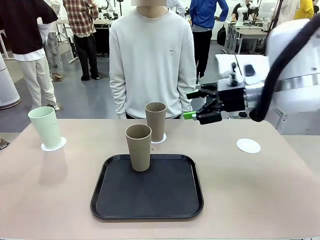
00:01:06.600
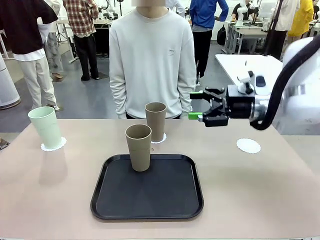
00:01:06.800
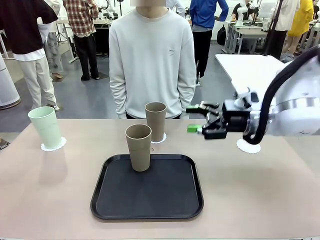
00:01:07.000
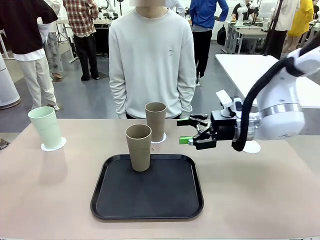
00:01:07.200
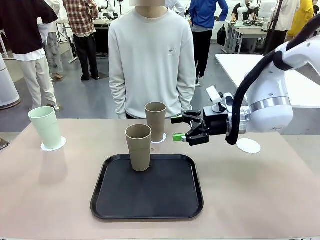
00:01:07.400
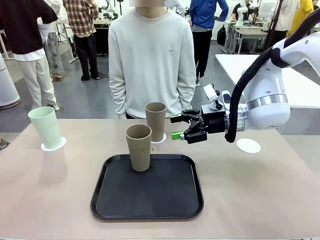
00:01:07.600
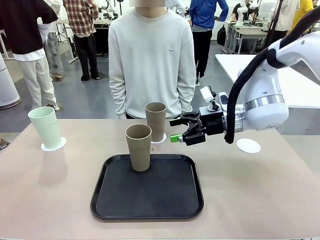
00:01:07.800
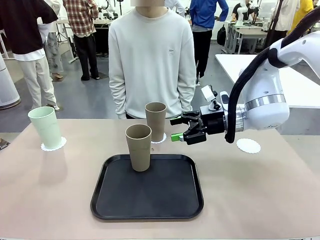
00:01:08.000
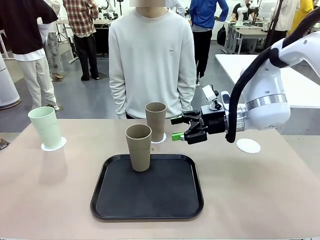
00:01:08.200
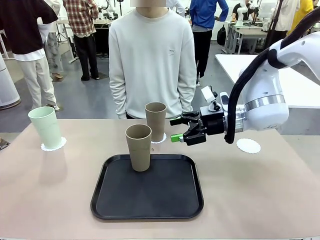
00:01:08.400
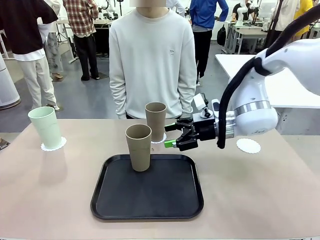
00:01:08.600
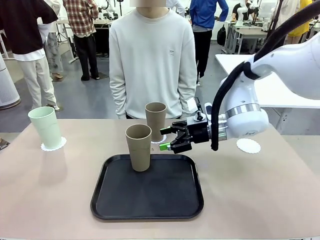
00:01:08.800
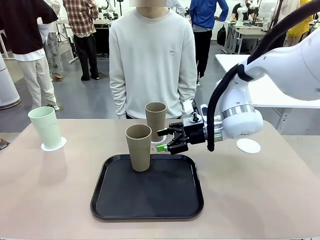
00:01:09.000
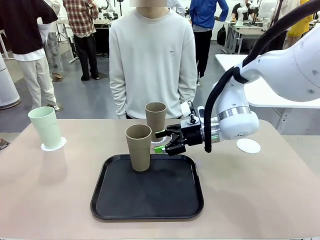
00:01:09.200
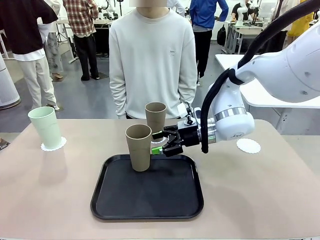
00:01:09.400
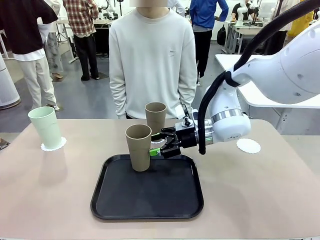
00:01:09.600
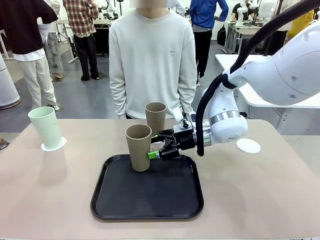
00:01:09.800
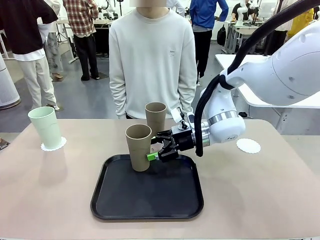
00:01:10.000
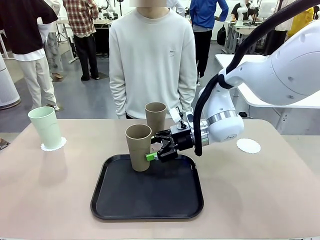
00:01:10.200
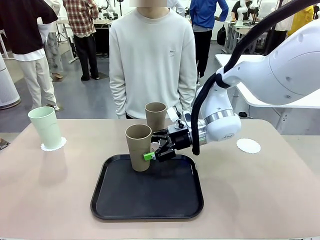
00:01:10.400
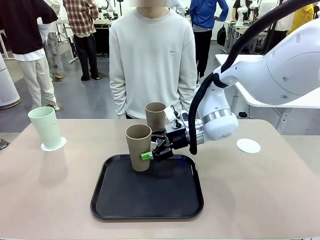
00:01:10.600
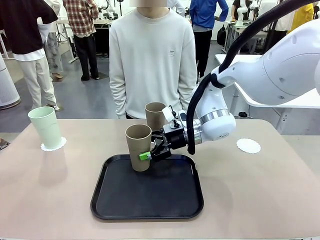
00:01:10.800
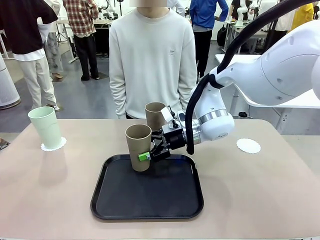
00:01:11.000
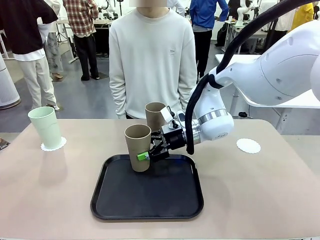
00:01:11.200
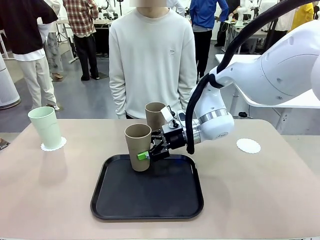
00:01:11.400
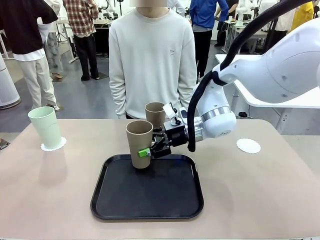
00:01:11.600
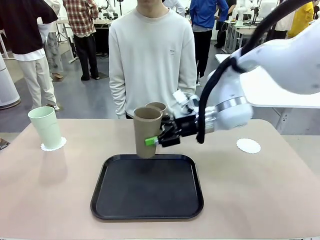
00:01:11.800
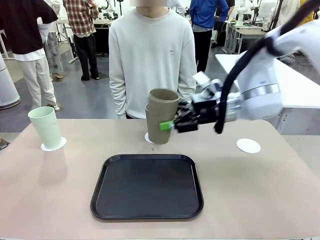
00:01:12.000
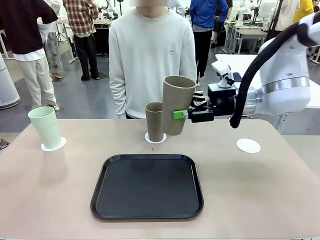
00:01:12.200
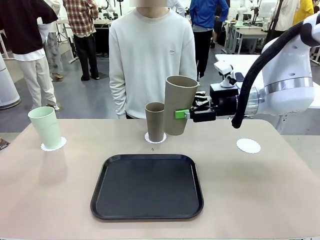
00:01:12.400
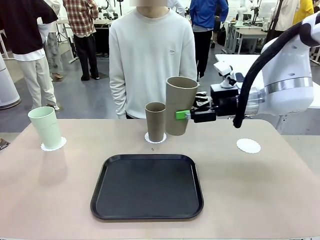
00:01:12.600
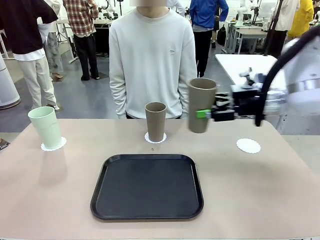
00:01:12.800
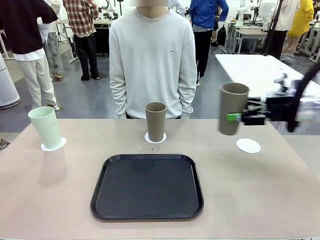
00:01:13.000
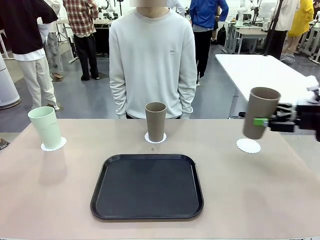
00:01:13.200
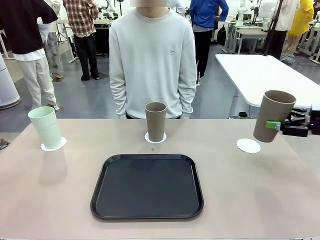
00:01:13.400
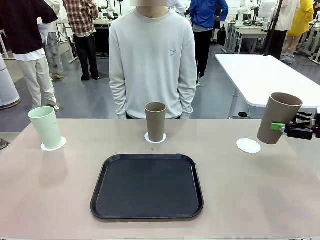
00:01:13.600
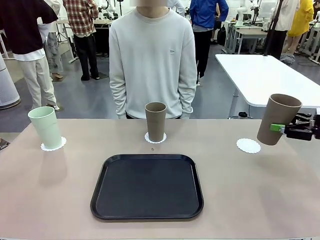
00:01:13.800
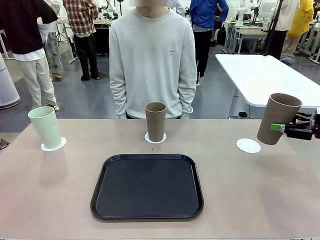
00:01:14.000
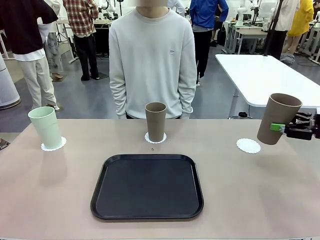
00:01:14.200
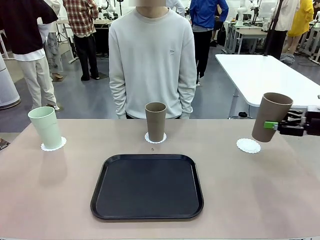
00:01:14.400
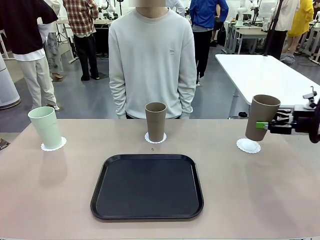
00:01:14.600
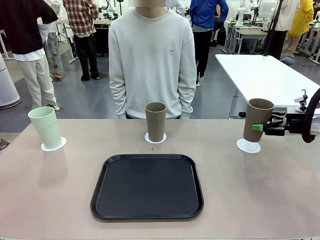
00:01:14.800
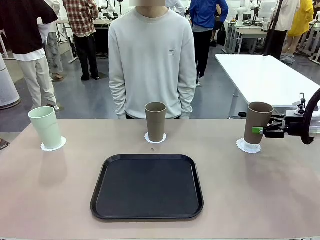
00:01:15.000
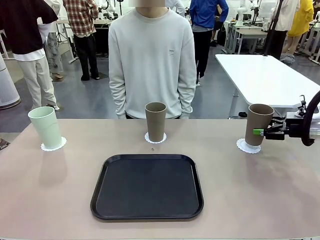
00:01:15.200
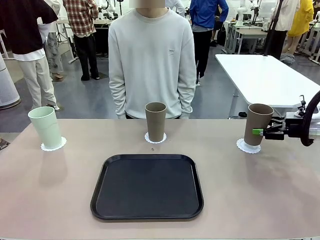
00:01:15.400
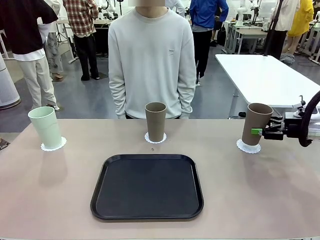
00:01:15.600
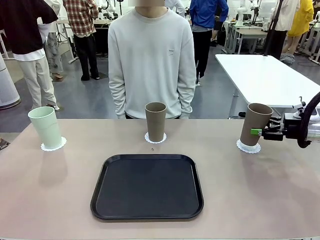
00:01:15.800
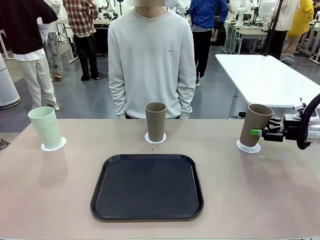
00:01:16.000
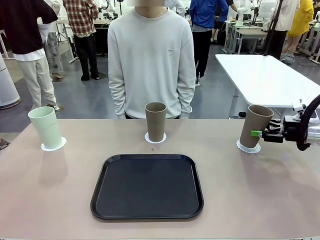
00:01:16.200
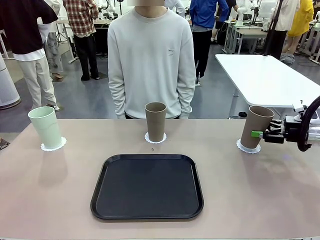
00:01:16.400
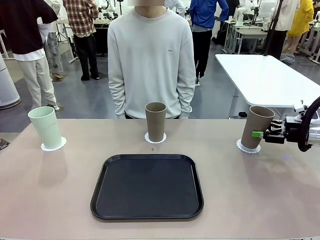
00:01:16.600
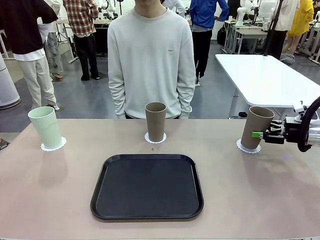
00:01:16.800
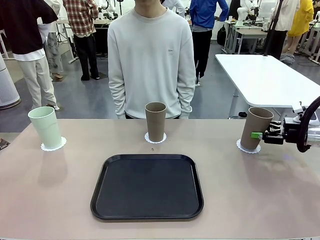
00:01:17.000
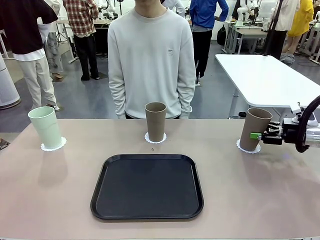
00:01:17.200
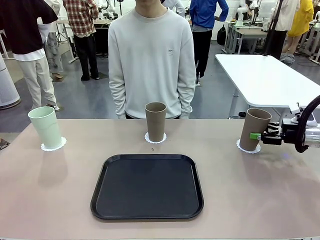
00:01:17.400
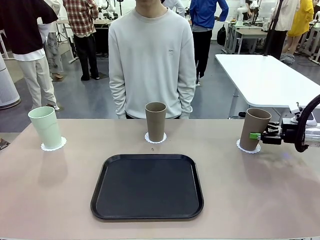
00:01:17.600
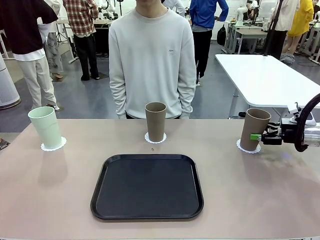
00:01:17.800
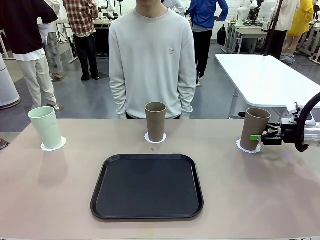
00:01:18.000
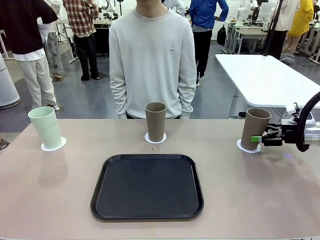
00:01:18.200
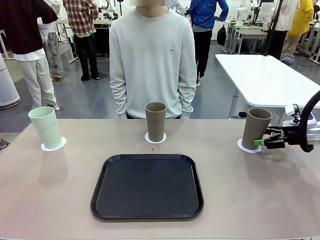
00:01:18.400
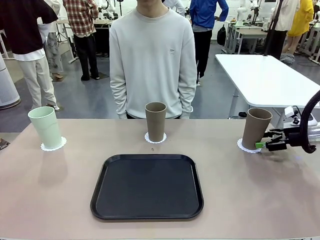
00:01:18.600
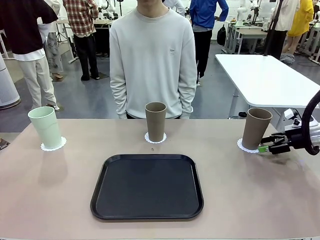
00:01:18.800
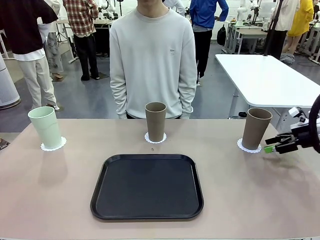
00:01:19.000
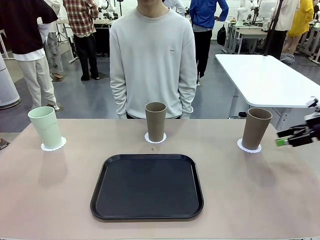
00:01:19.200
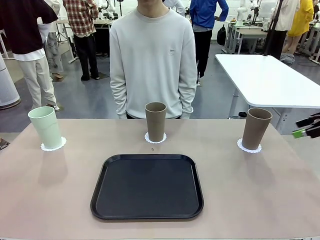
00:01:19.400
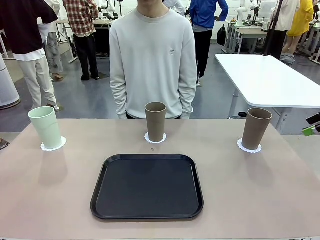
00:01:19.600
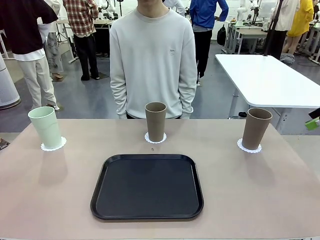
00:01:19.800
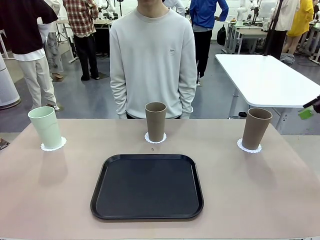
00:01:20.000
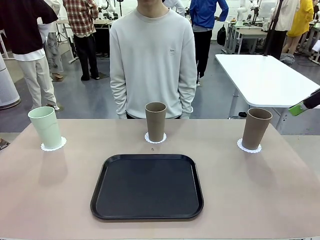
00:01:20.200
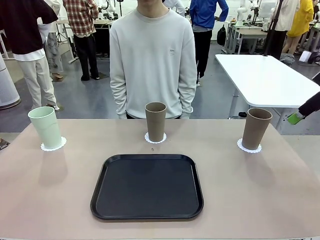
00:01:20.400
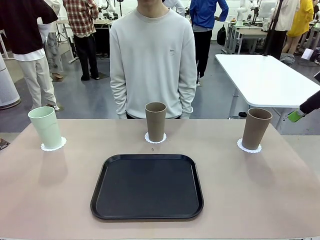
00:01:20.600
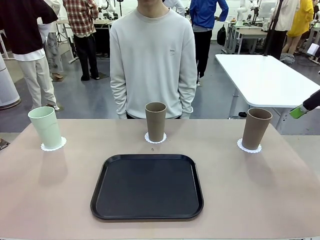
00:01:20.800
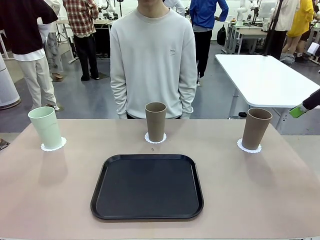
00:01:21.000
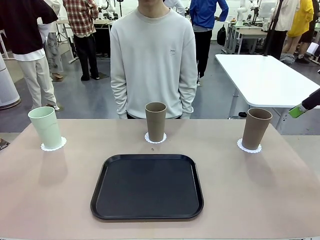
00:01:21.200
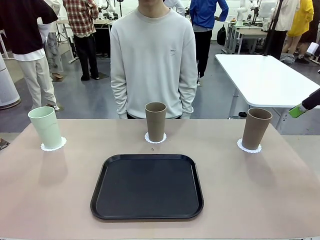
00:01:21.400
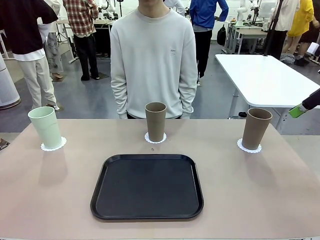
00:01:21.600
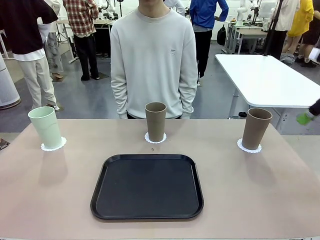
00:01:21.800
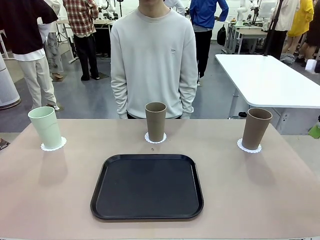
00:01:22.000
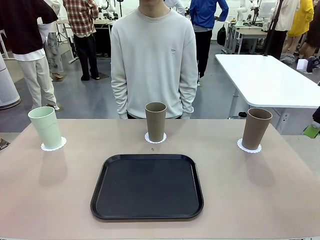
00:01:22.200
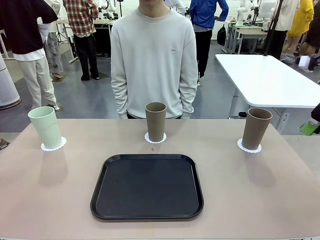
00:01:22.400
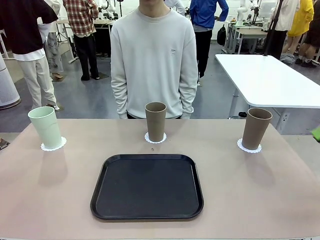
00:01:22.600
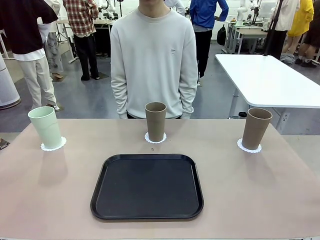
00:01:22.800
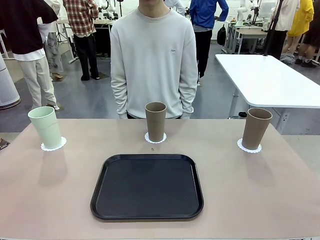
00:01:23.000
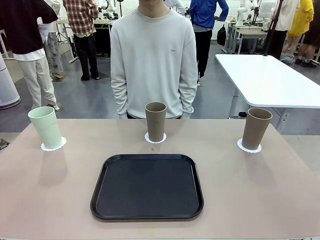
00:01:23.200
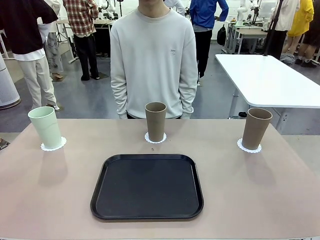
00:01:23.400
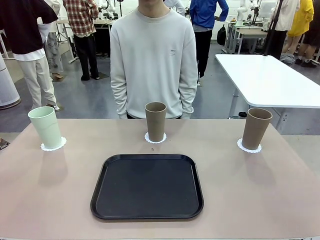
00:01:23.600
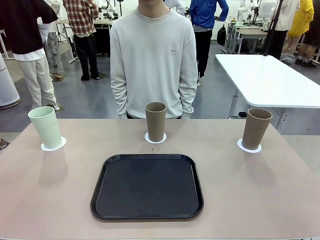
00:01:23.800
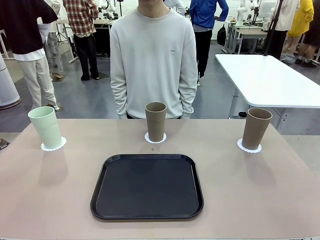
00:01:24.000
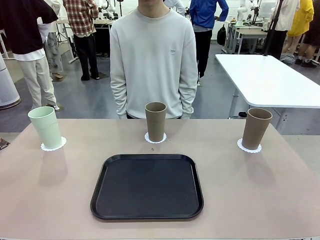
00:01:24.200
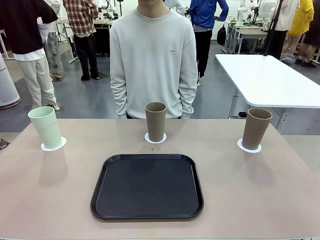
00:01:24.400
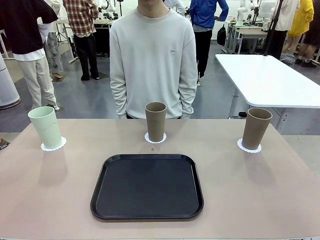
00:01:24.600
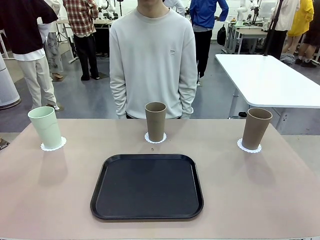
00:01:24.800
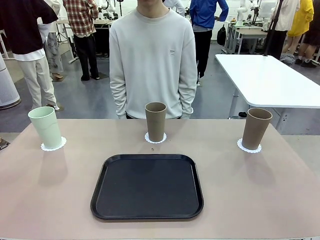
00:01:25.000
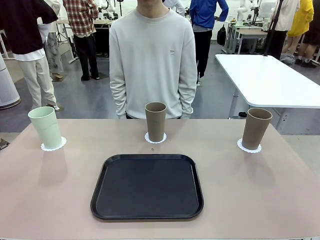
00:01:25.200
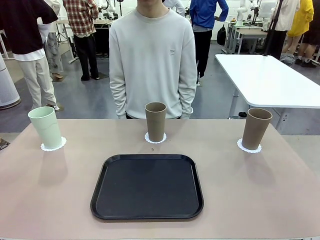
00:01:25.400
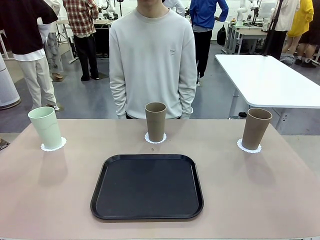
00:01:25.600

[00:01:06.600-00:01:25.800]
Task: Place coasters on the table and set cups on them.
Robot: Take one Reusable plastic cup from the Flat Tray and place it on a coaster set by the human.
